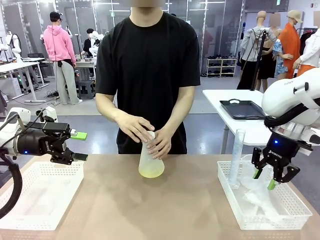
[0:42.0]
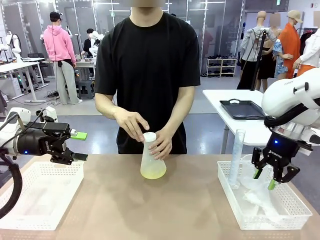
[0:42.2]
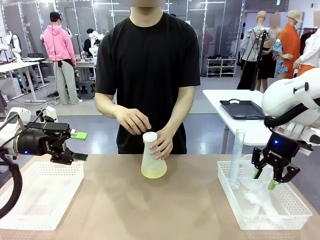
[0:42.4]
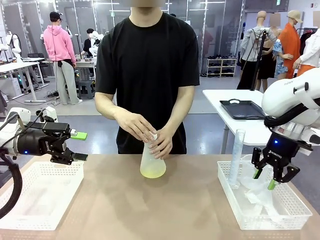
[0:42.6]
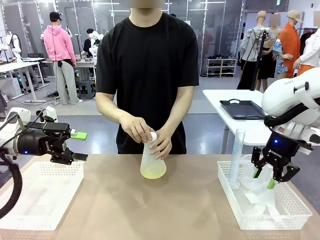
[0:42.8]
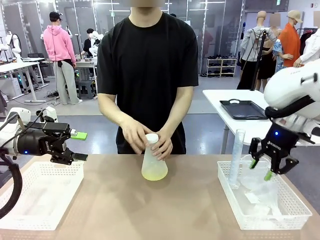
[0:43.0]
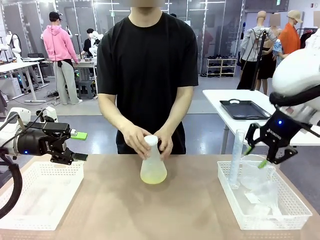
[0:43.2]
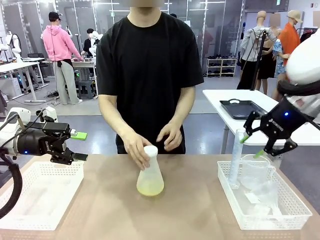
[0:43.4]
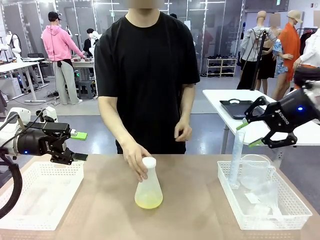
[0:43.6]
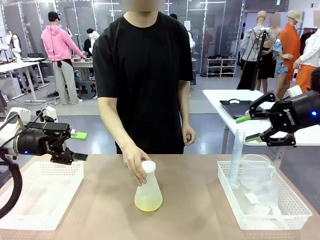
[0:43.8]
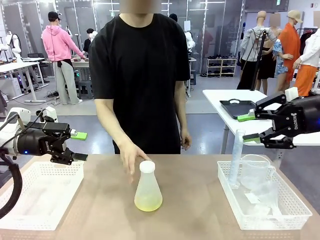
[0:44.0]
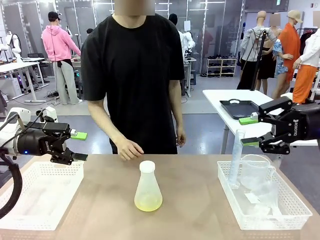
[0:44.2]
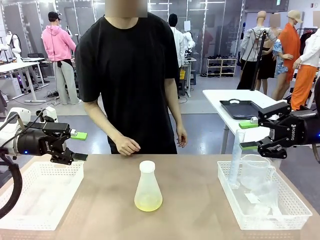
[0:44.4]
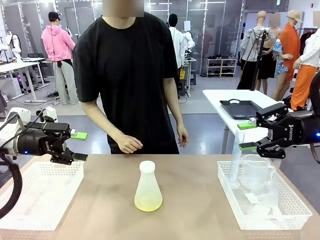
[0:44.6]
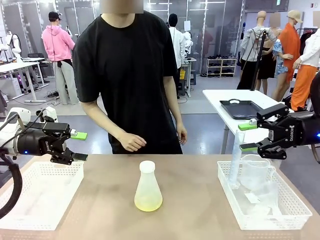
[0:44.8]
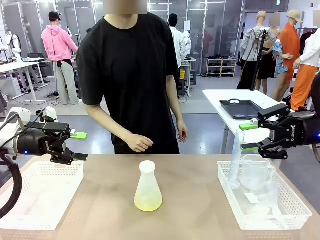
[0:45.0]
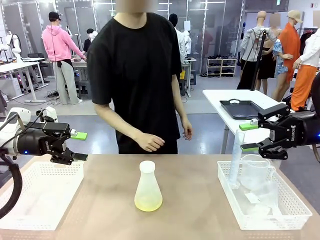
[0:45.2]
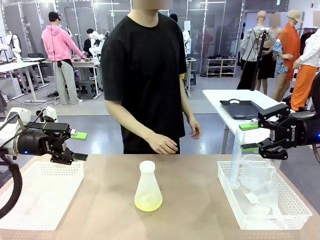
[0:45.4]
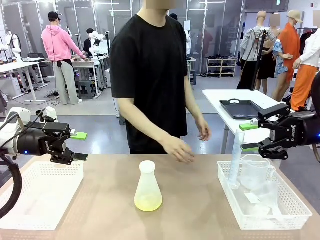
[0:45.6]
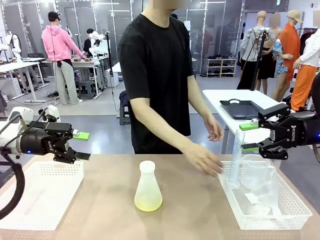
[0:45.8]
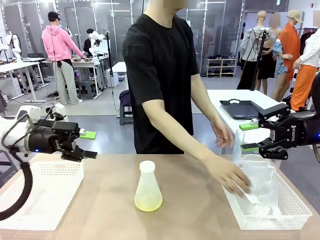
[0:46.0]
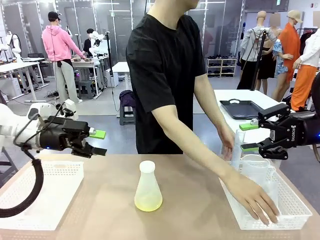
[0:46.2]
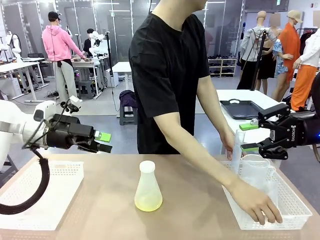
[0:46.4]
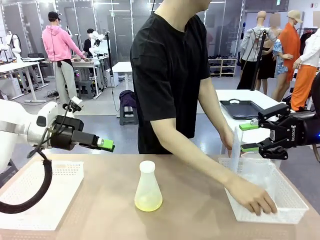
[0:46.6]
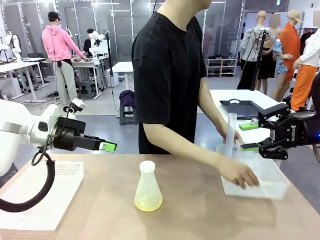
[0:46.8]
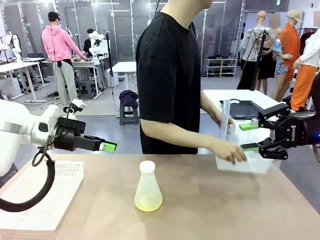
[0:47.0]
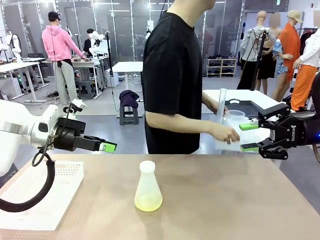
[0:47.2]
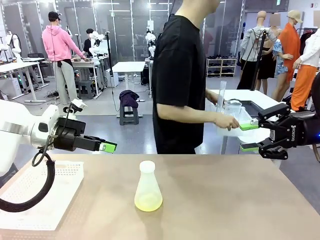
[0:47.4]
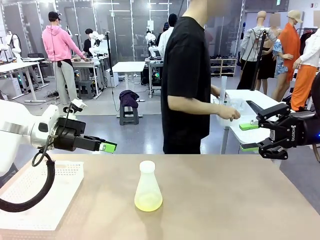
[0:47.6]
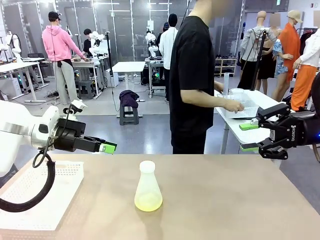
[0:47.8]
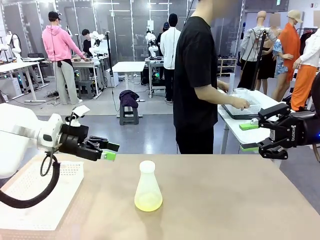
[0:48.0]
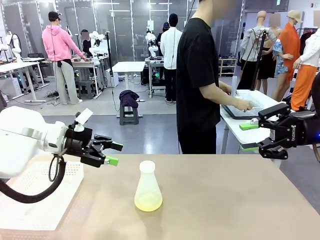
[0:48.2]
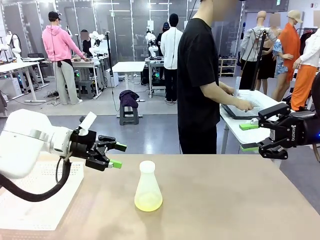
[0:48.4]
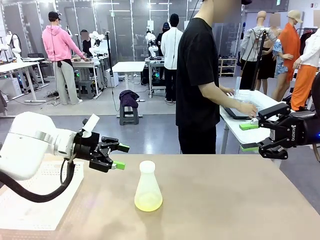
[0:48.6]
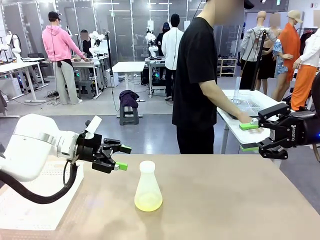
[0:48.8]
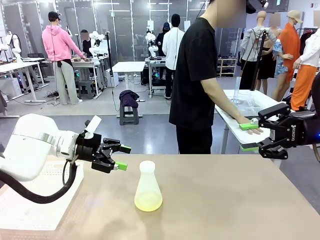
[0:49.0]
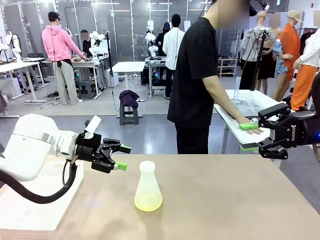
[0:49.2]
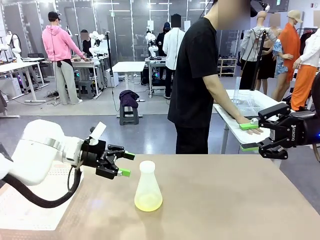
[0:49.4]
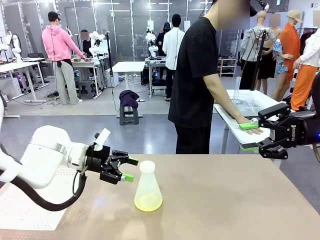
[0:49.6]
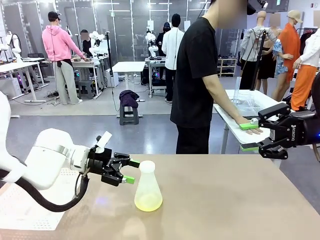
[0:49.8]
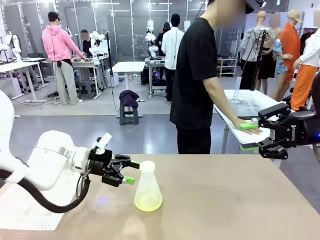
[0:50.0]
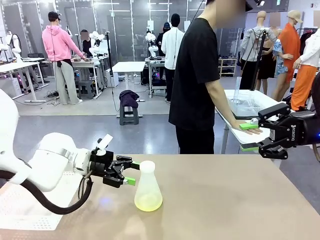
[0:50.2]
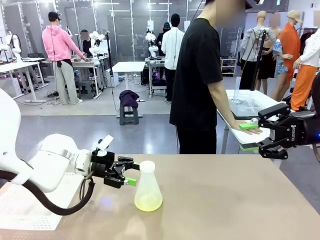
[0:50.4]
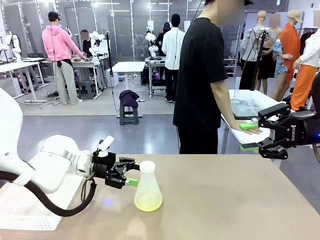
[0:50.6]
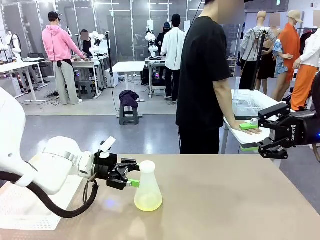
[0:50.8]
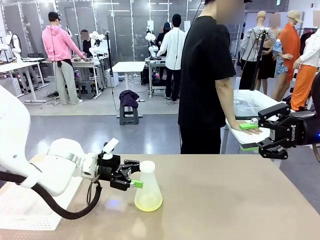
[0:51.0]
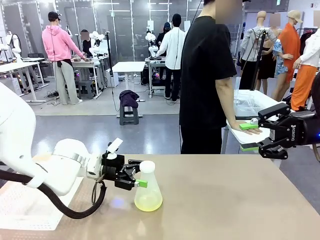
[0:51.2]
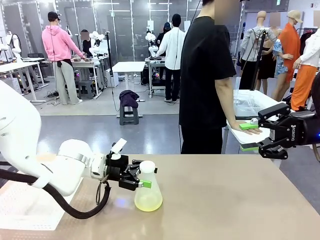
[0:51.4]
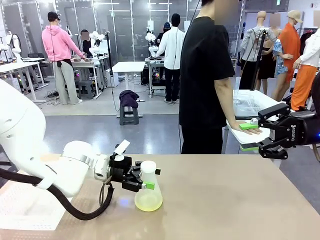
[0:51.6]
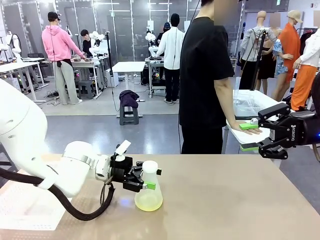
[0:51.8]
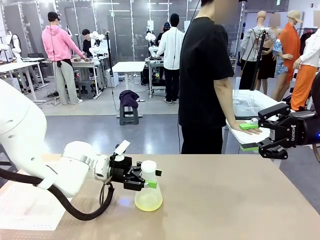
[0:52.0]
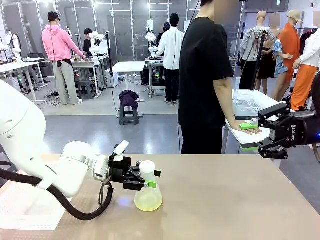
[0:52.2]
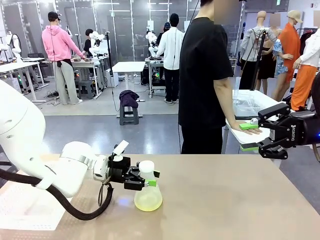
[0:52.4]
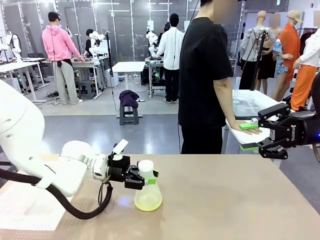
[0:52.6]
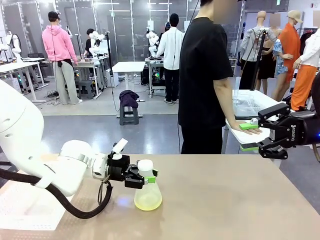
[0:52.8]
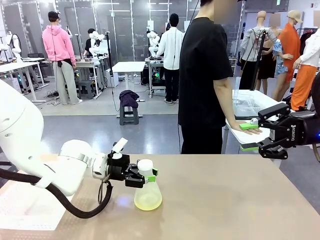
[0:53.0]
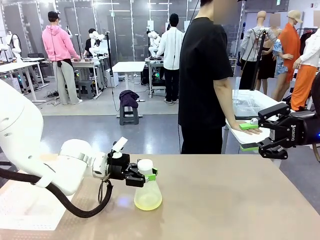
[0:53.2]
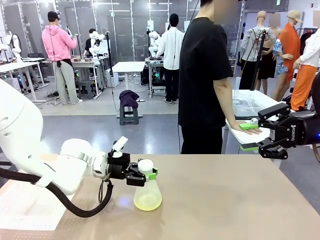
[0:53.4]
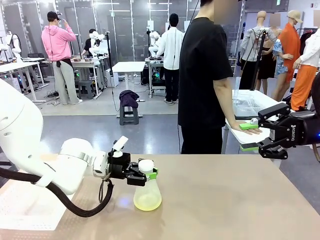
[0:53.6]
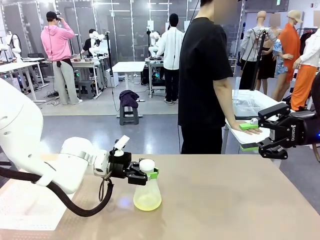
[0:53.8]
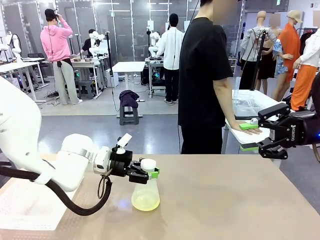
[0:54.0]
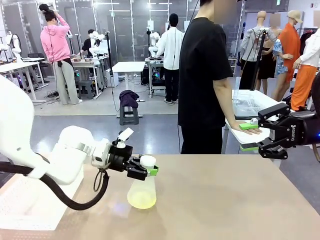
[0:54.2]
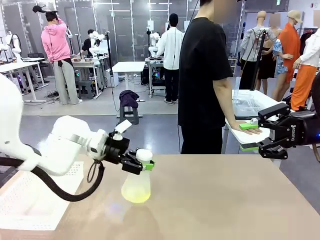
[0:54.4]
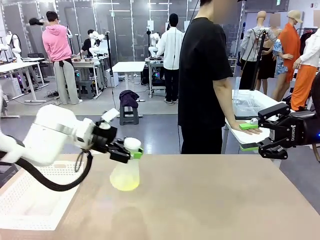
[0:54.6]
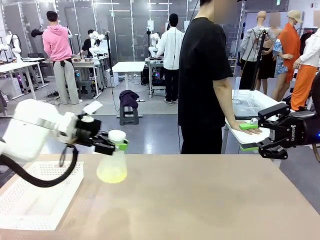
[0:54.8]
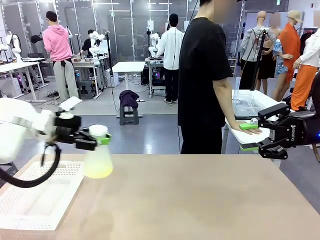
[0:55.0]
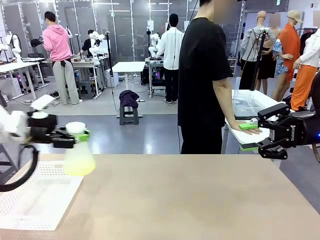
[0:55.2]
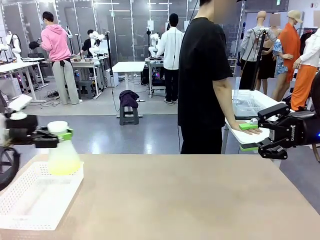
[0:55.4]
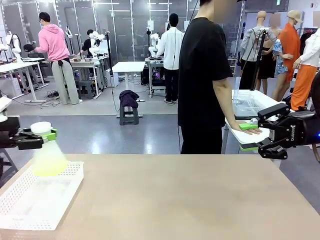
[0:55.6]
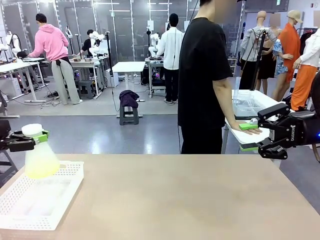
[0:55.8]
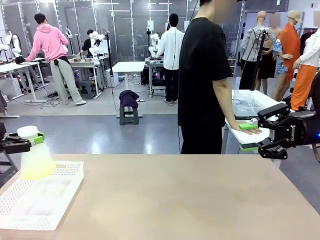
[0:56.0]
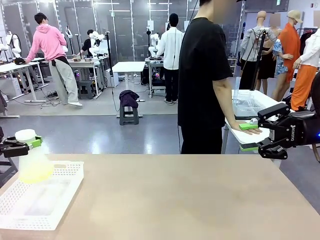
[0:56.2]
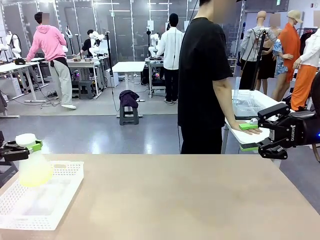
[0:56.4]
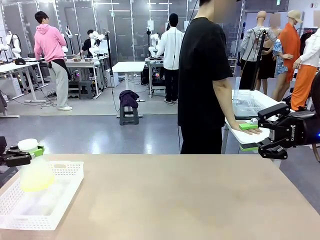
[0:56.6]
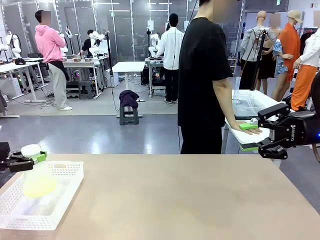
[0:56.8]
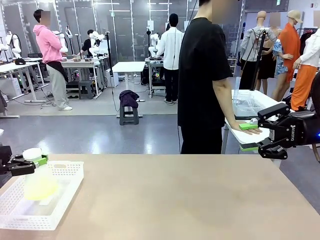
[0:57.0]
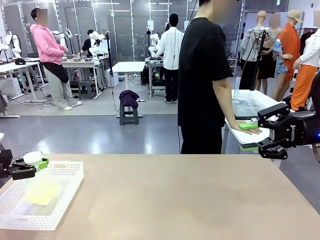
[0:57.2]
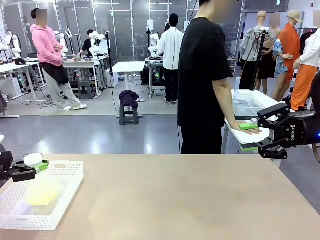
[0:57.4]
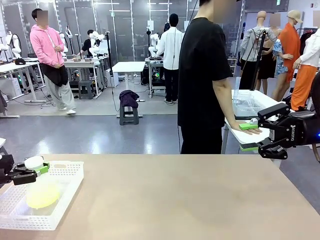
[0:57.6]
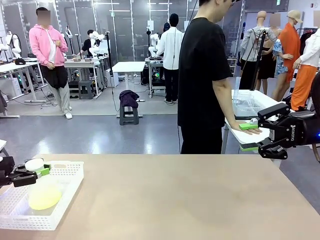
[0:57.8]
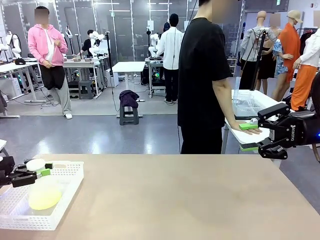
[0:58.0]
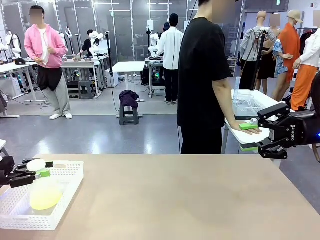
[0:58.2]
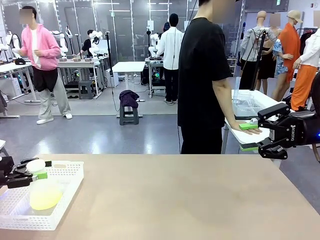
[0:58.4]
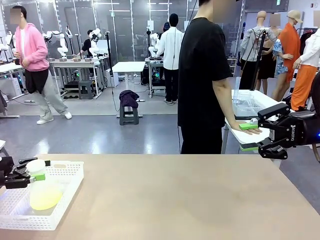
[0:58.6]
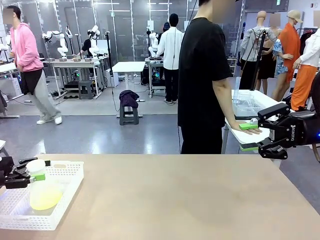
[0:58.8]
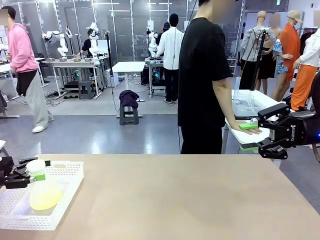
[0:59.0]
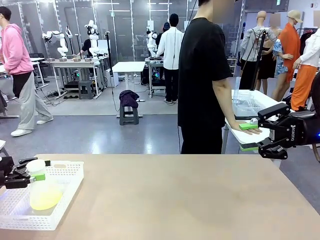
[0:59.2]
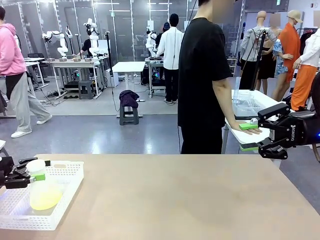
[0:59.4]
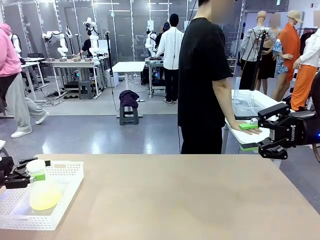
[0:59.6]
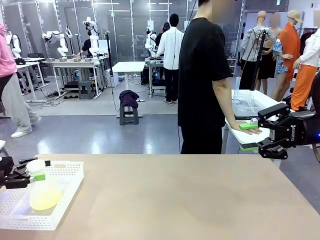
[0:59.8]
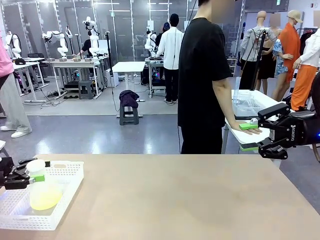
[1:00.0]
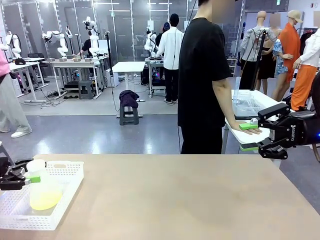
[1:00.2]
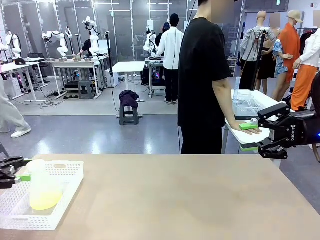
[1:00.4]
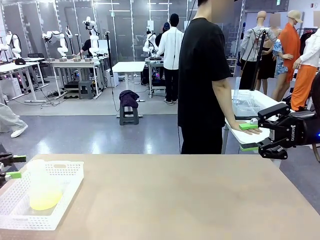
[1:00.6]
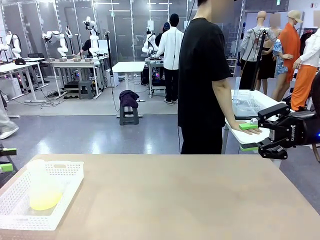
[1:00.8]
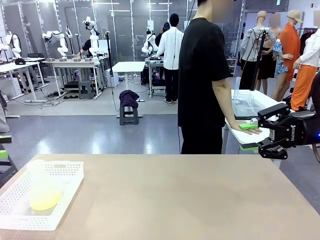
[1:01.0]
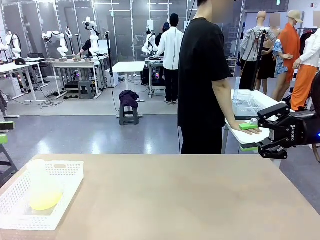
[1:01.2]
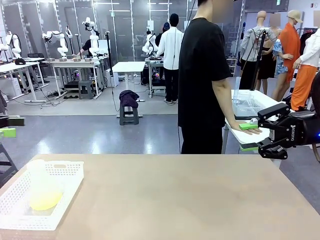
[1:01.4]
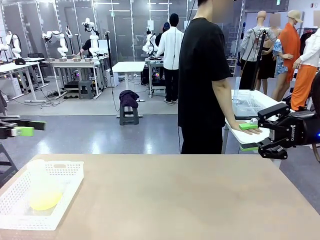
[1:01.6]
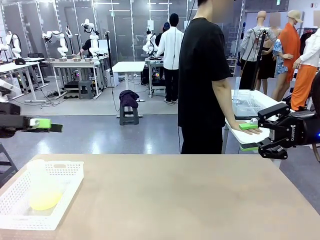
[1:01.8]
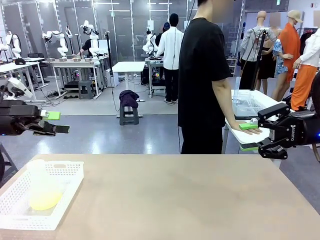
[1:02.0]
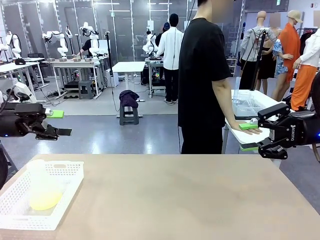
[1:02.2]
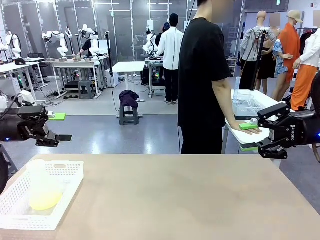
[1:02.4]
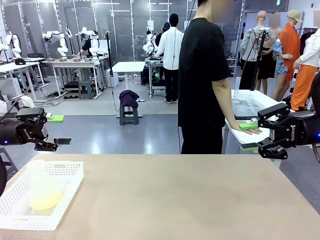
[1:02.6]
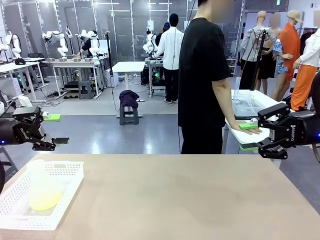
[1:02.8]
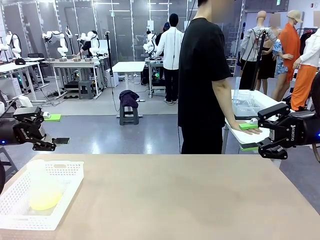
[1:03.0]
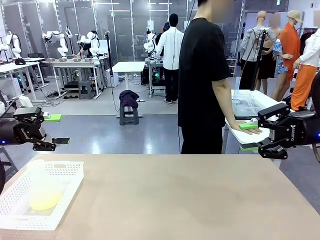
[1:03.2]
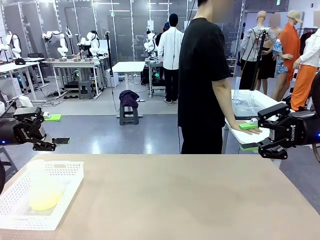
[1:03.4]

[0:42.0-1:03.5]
Task: Prepare the solutions needed for the experiment.
Robot: When the human places the Big flask in the center of the table, pick up the Big flask and place it in the left Organizing basket.
Person: Pick up the organizing basket on the left side of the robot table and place it on the left side of the human table.
